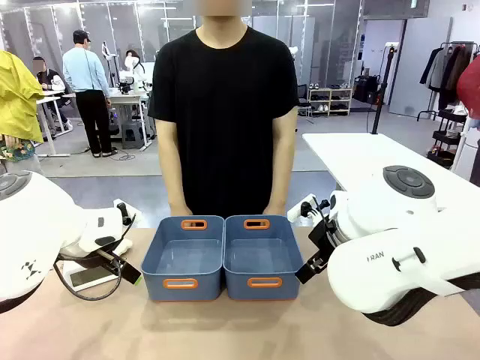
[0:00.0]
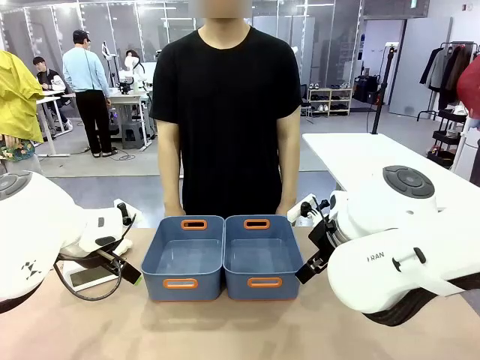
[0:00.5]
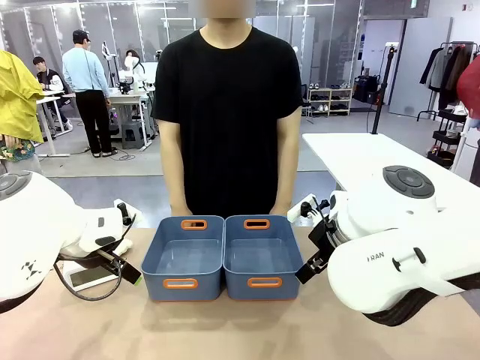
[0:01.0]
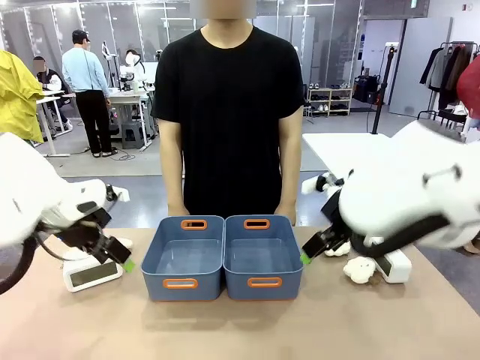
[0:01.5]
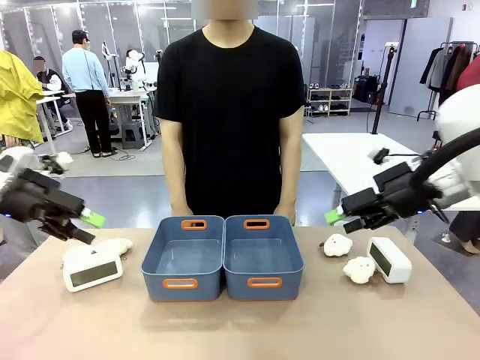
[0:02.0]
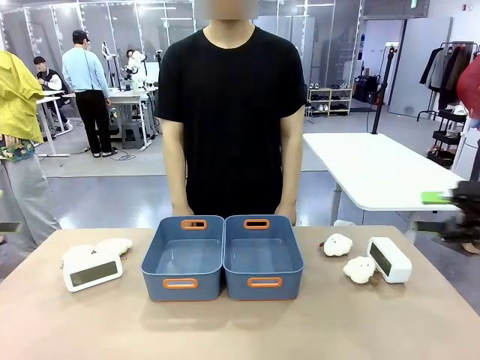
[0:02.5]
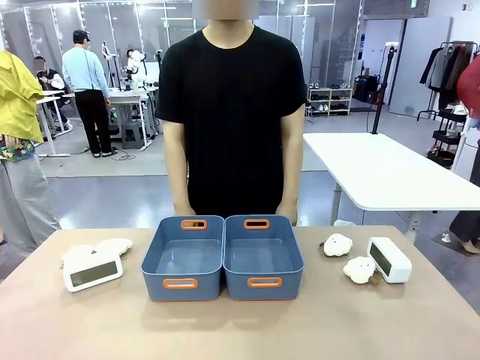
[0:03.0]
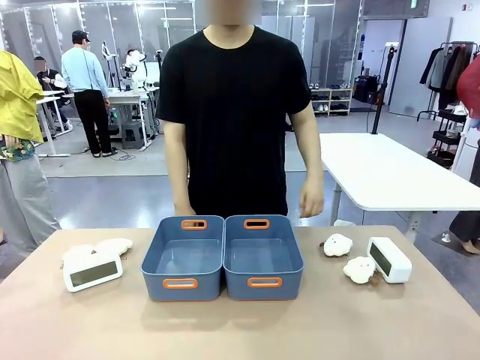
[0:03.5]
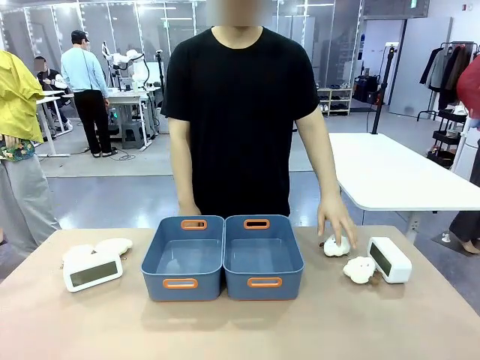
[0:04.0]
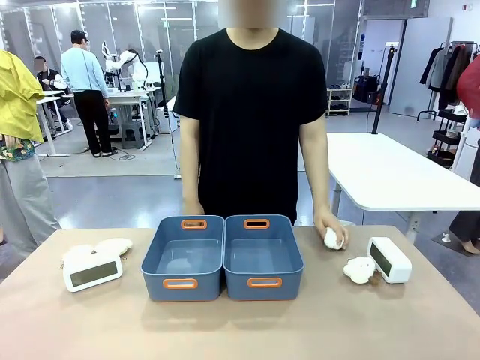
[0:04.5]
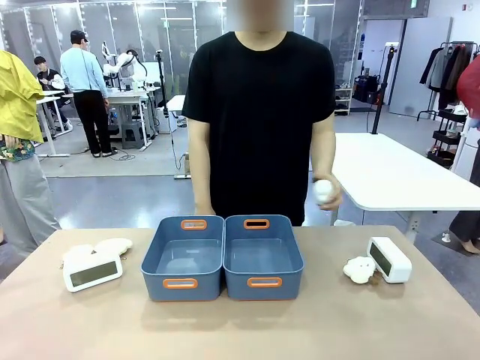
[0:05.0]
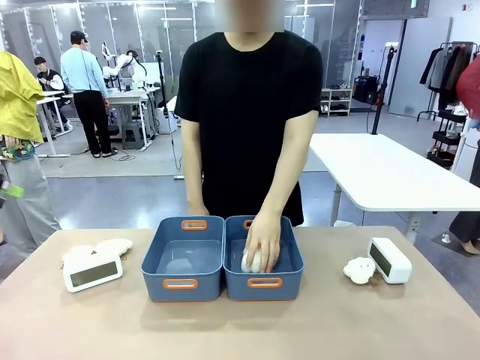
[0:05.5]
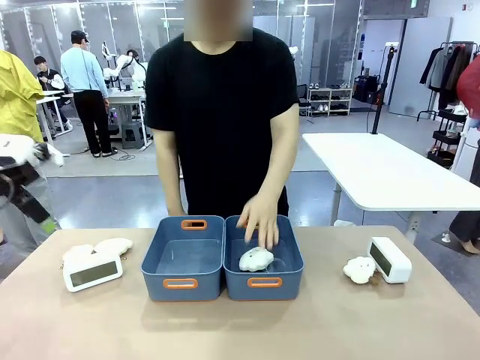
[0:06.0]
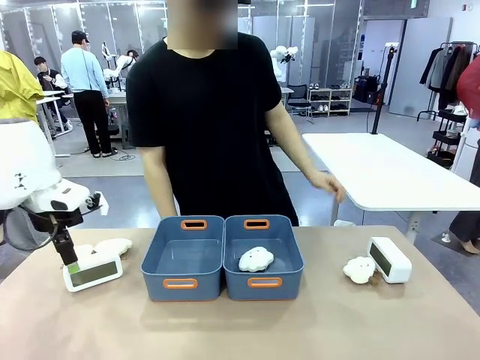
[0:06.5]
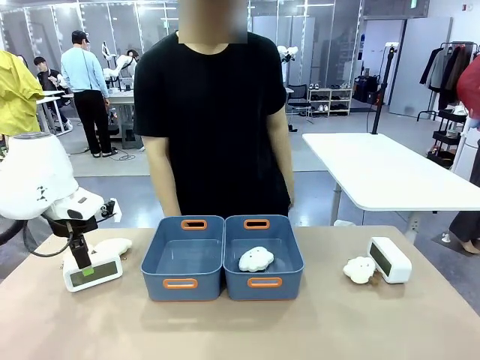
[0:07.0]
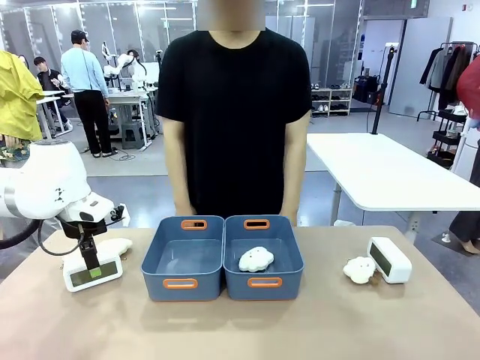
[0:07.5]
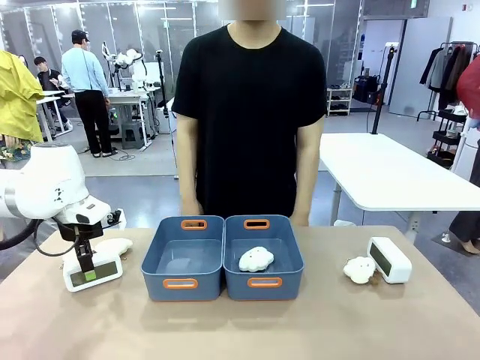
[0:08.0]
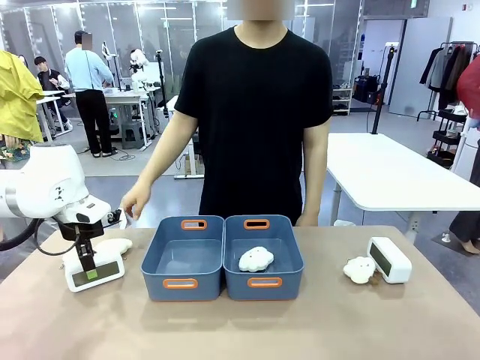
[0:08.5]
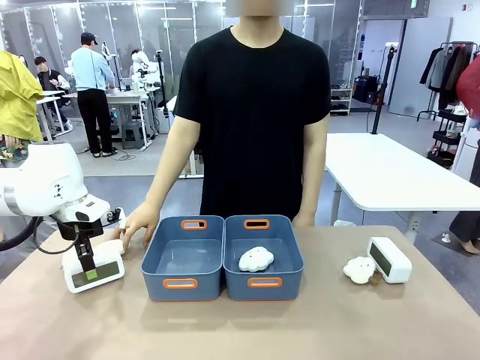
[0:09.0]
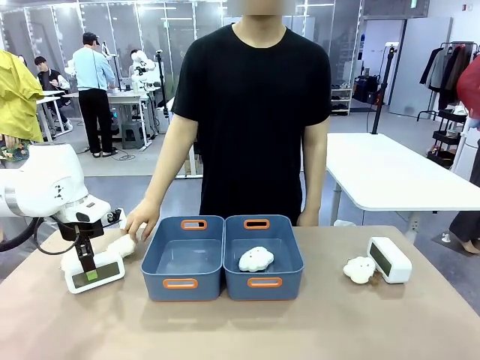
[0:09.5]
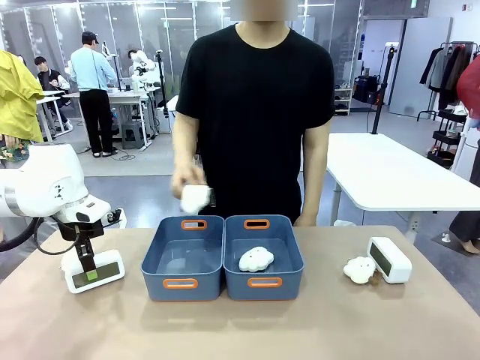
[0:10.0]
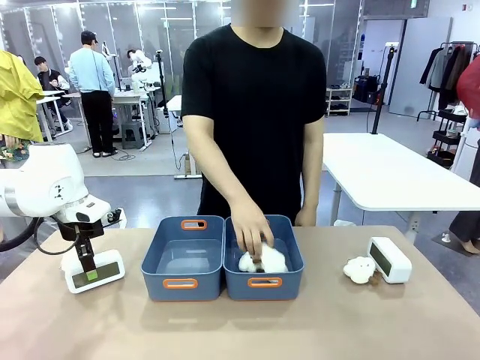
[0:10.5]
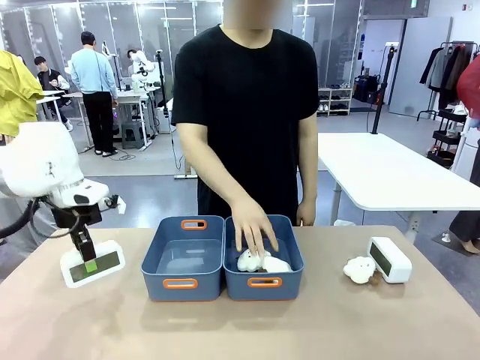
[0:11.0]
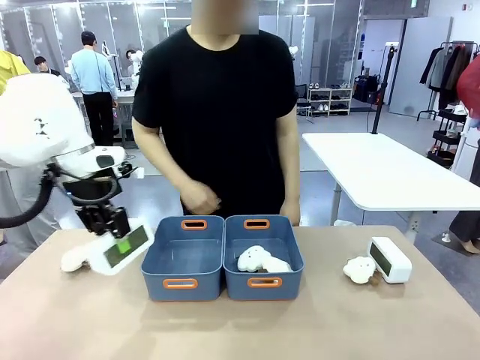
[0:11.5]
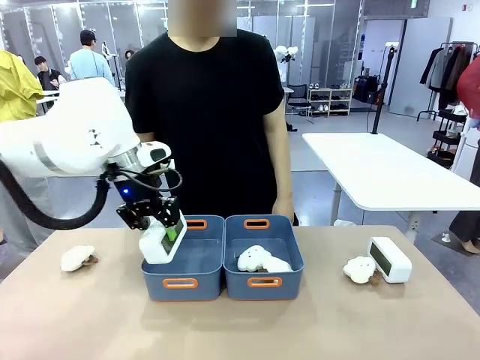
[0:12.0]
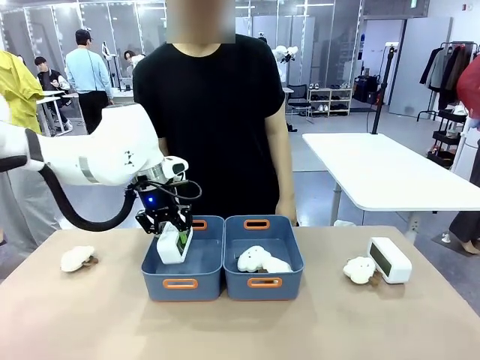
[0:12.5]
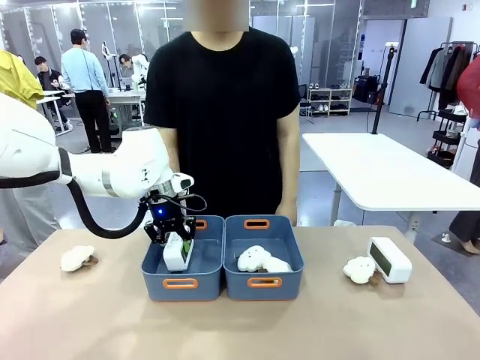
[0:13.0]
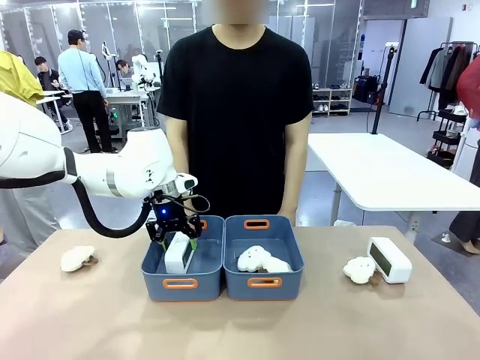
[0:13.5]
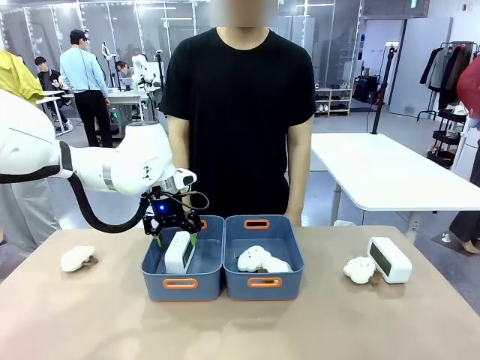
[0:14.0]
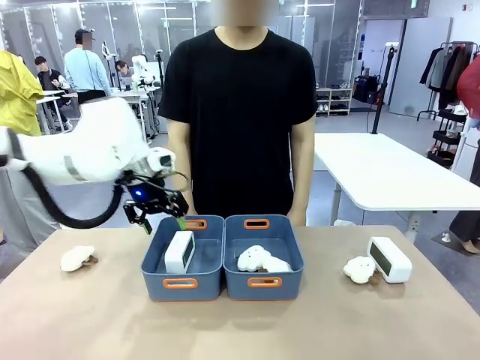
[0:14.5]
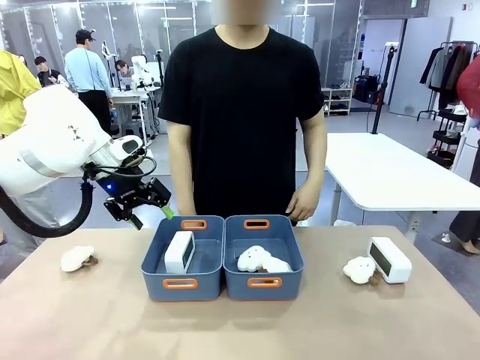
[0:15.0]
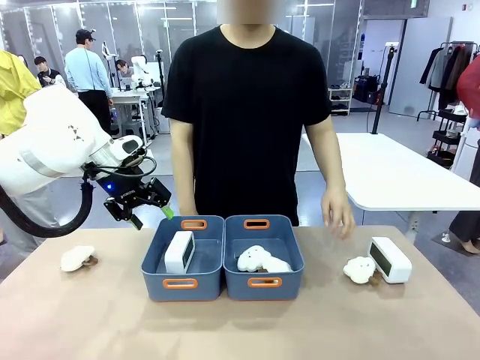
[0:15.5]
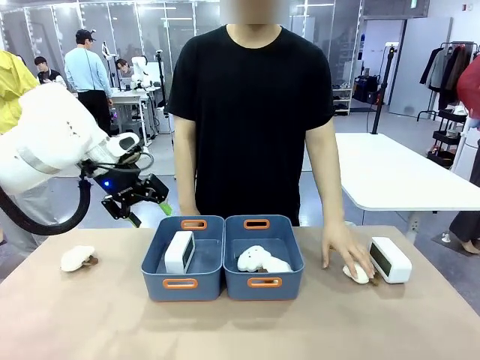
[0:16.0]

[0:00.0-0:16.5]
Task: Sort the digital clocks into the basket.
Robot: Pick up the Digital clock from the table and place it into the empty Plastic storage basket.
Person: Pick up a plush toy from the table and place it in a plastic storage basket.

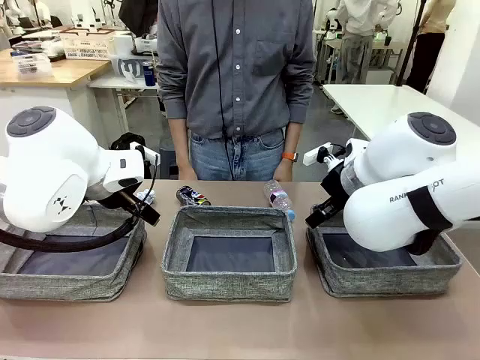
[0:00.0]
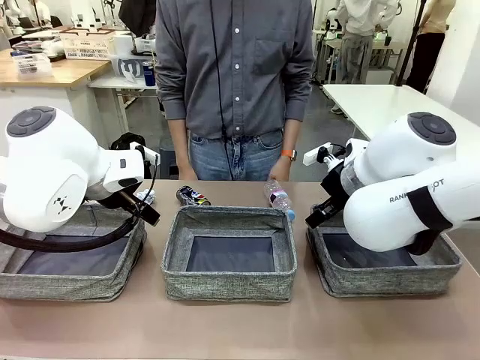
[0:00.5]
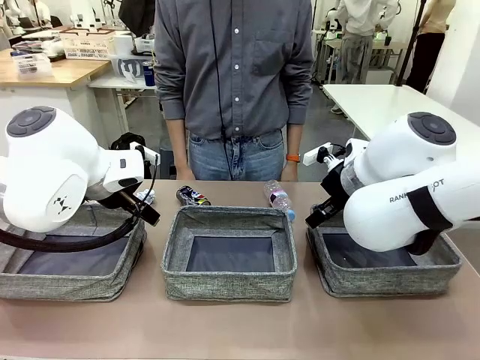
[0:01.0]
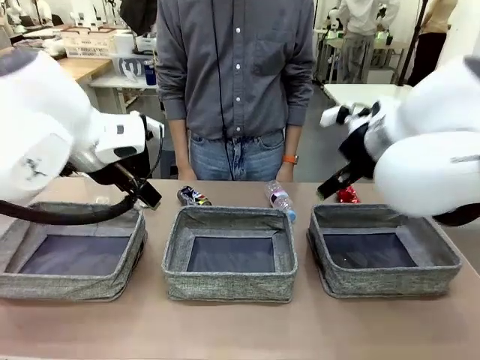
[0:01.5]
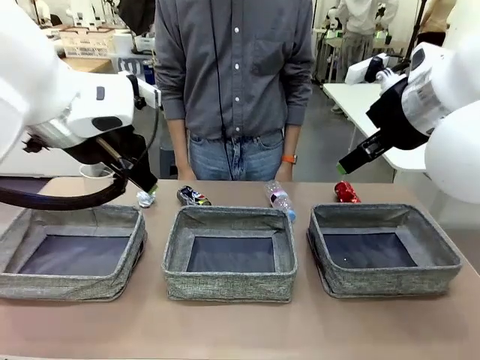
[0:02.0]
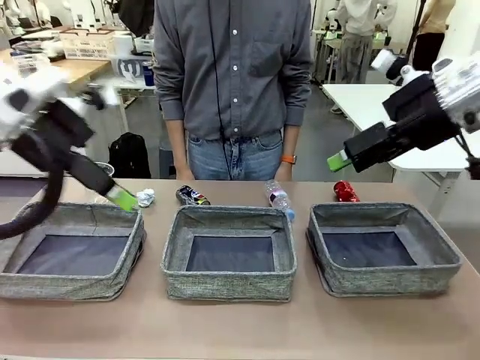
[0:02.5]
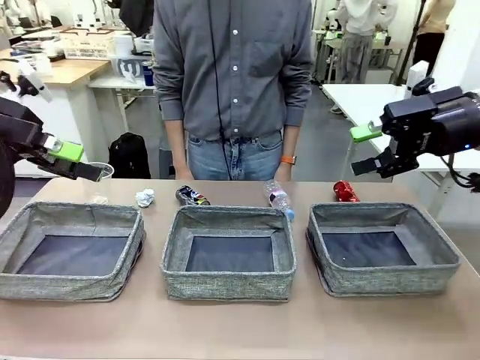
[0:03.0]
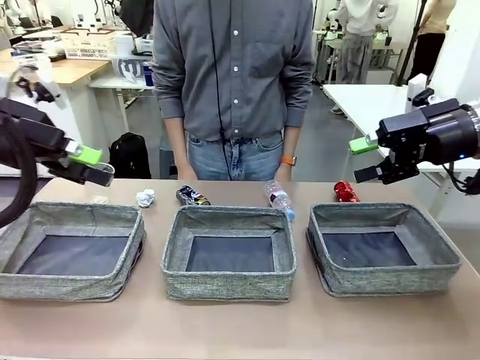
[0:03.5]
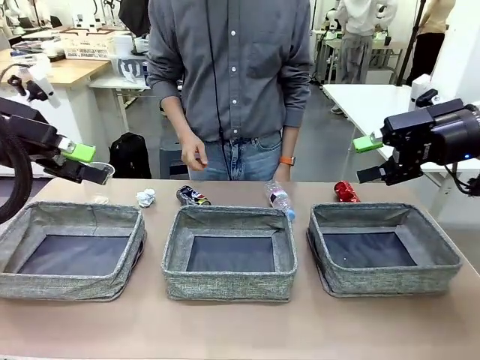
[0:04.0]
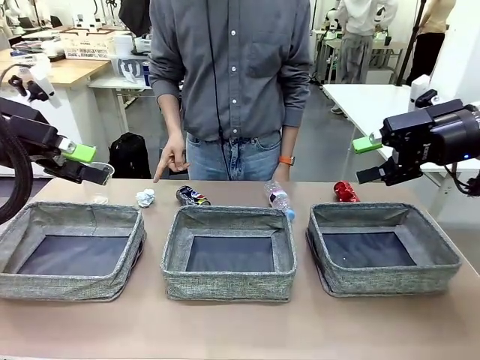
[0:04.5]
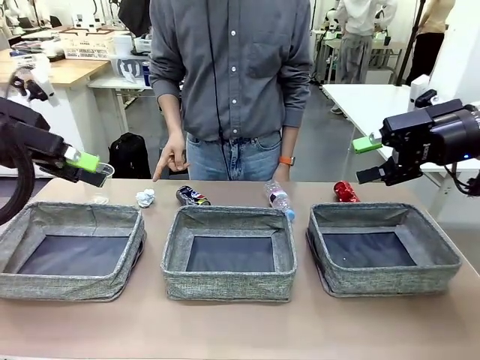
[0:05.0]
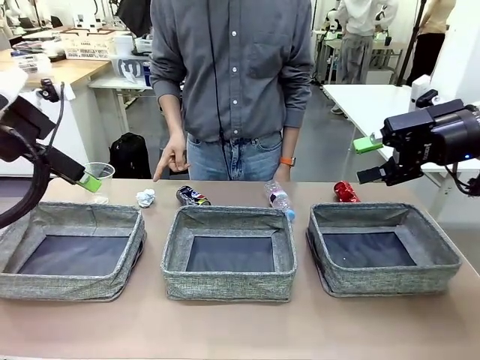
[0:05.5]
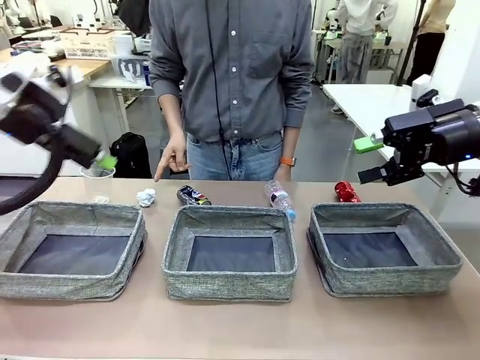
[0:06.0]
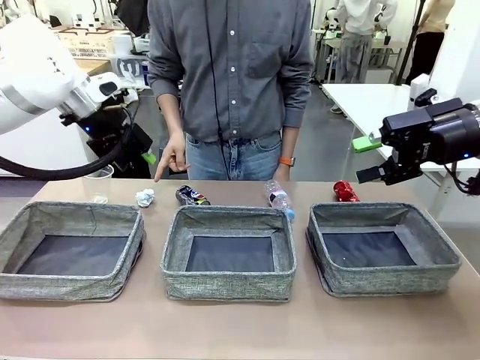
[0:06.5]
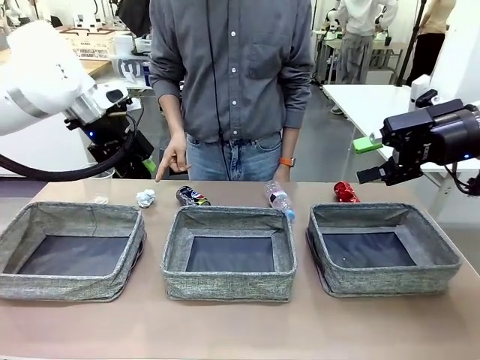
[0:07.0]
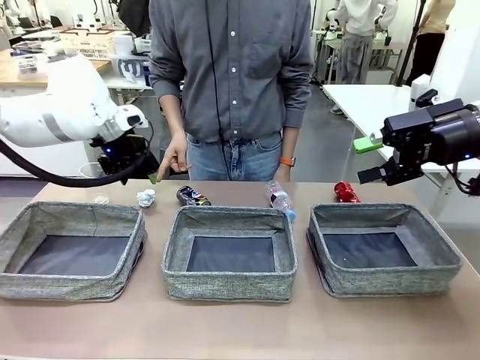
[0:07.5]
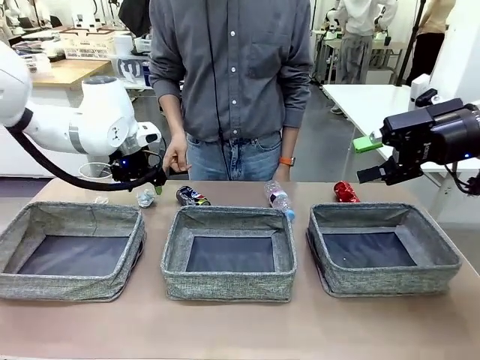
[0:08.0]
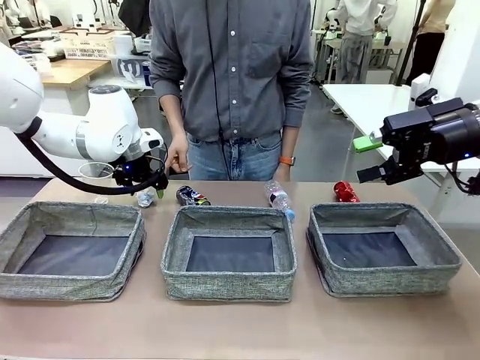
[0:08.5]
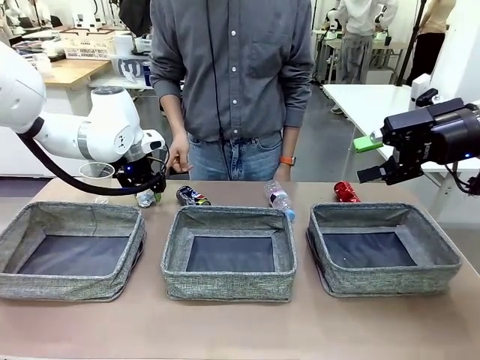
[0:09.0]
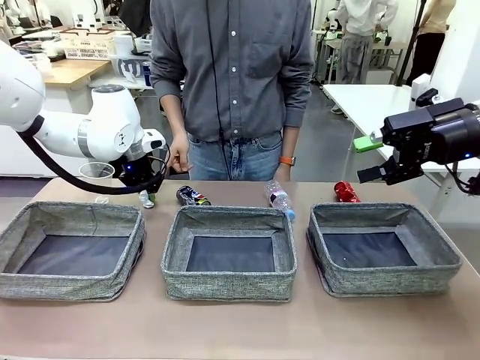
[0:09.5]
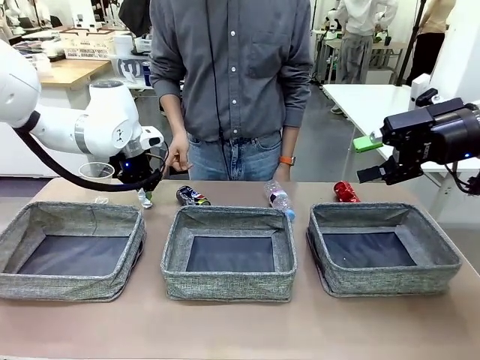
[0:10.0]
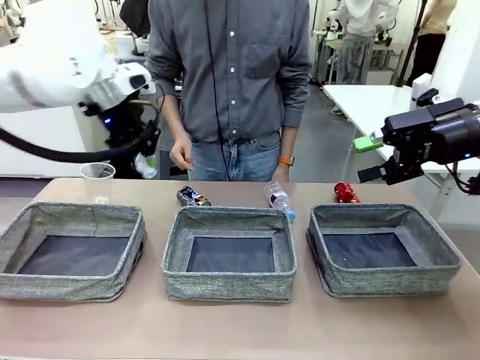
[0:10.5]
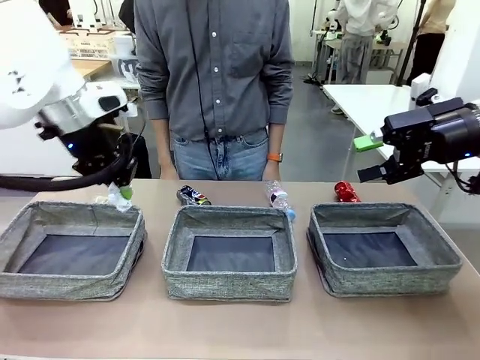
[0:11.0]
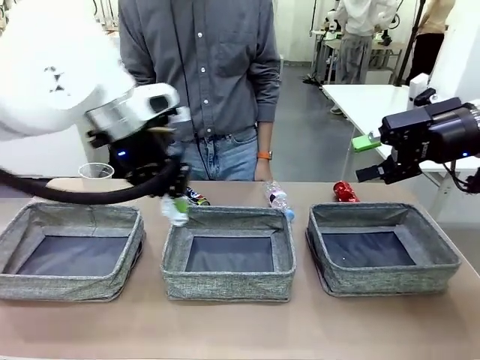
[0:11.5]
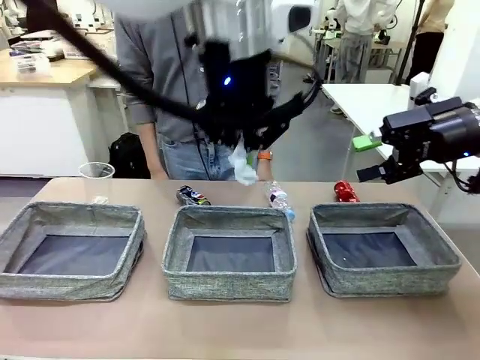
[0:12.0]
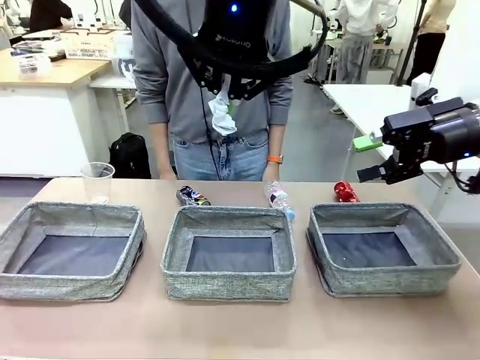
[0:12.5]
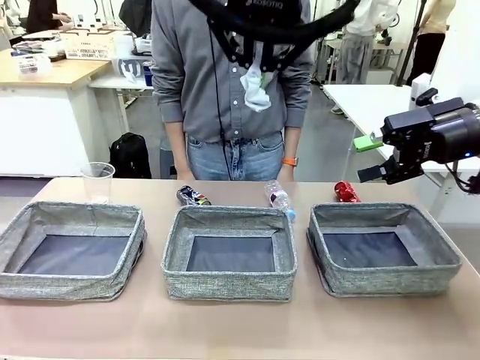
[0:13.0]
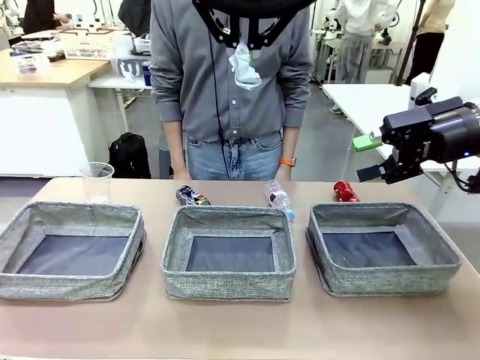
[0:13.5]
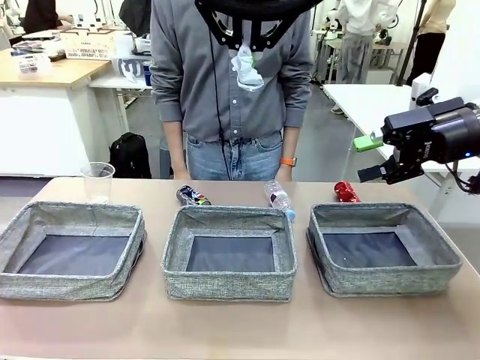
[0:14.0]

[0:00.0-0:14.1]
Task: Sort the waste into the appropriate baskets.
Robot: Pick up the waste item pointed out by the person.
Person: Points to one piece of trash on the table.
